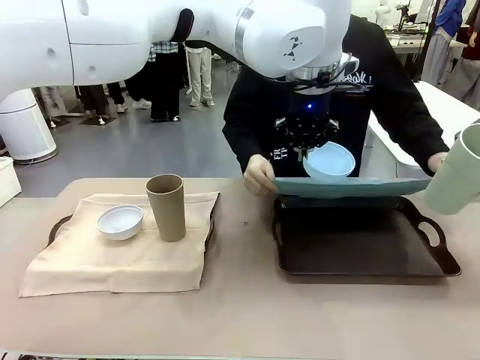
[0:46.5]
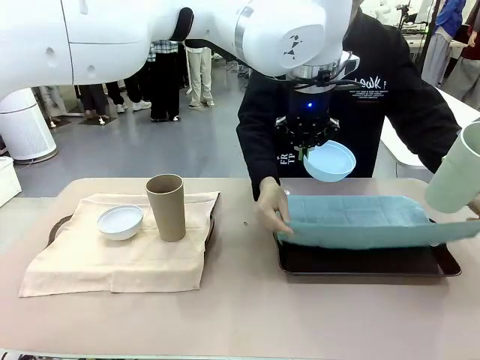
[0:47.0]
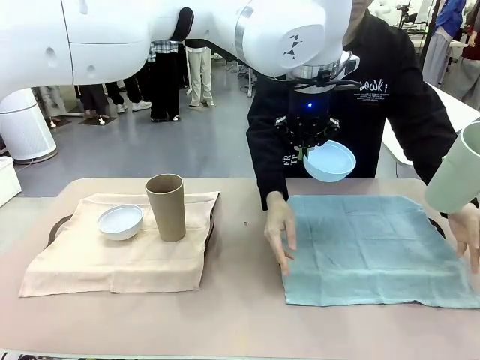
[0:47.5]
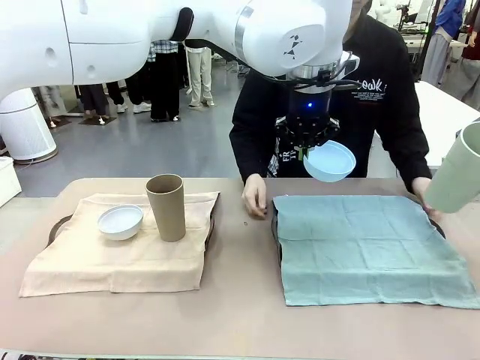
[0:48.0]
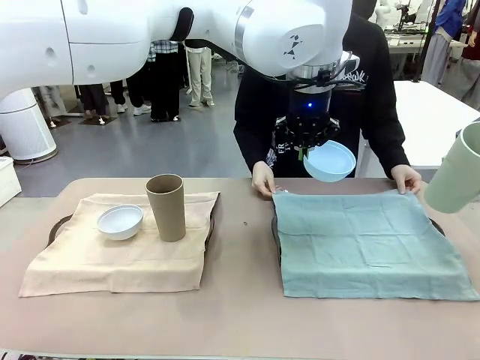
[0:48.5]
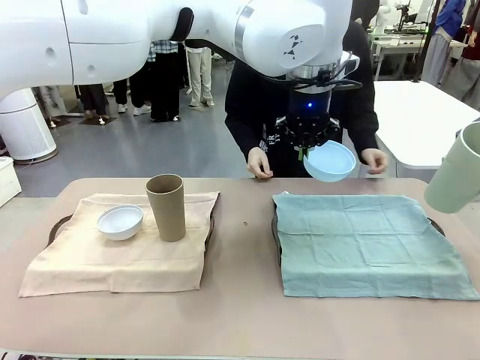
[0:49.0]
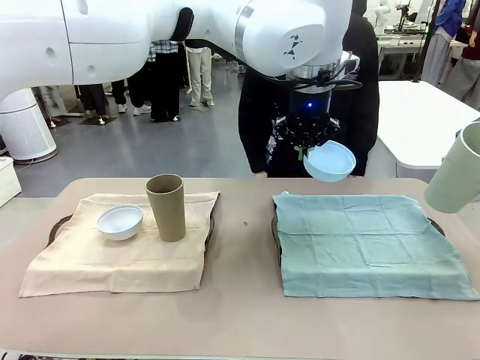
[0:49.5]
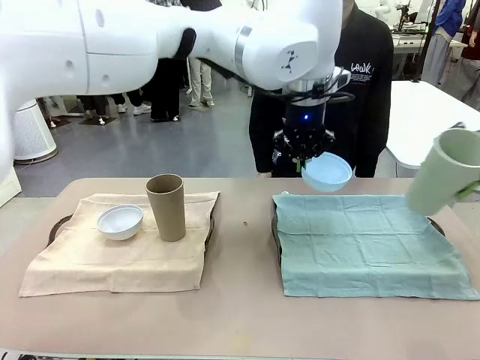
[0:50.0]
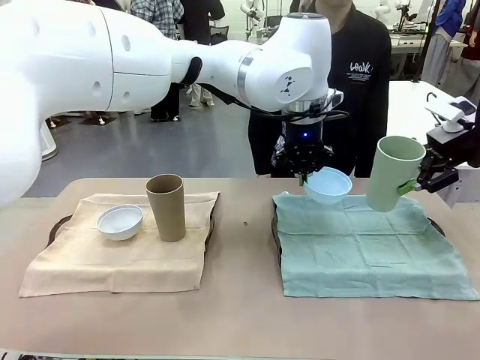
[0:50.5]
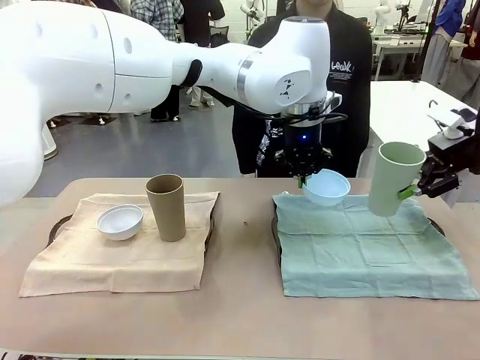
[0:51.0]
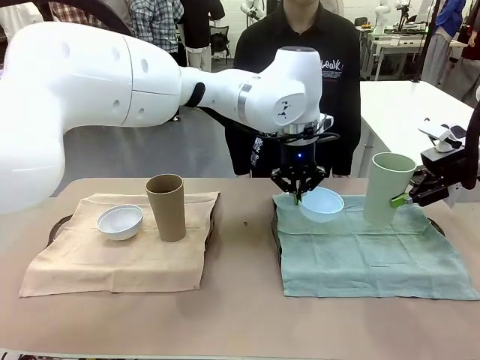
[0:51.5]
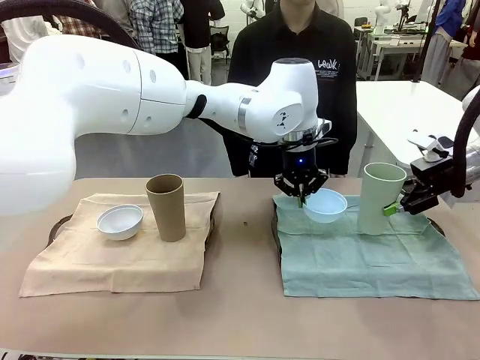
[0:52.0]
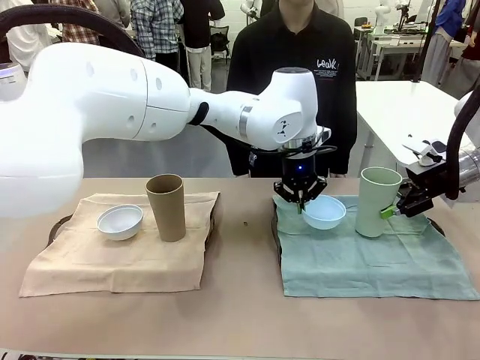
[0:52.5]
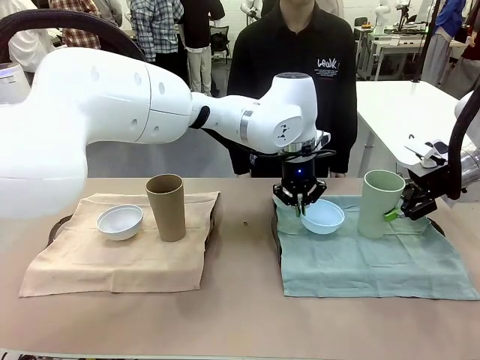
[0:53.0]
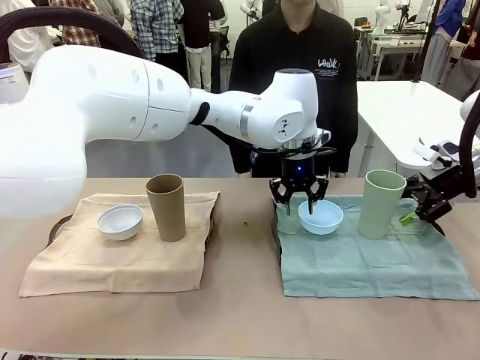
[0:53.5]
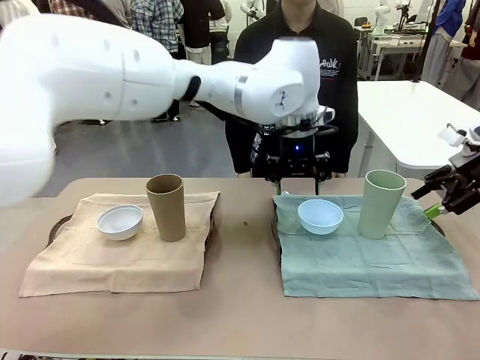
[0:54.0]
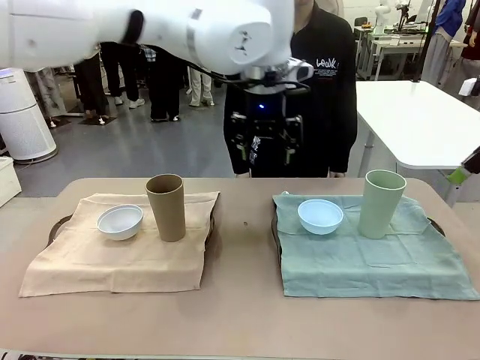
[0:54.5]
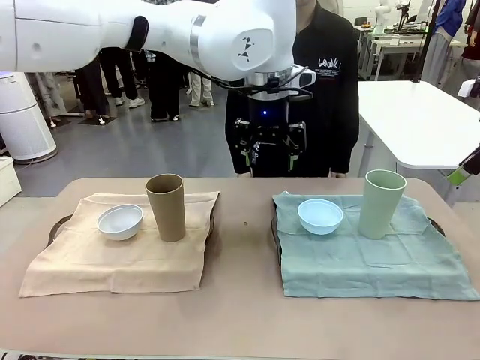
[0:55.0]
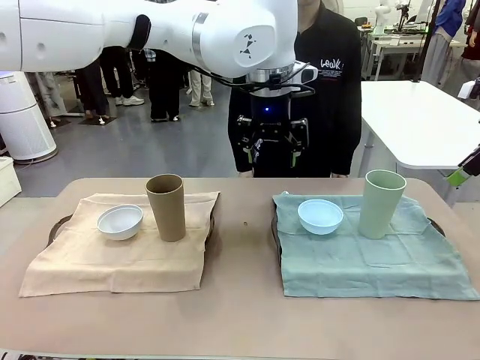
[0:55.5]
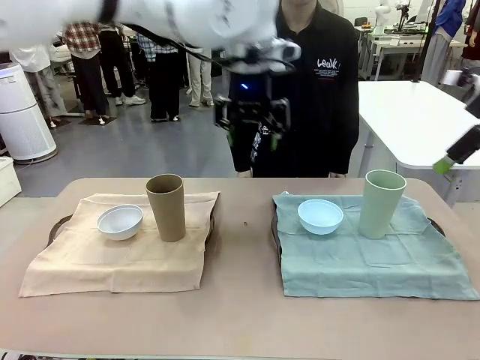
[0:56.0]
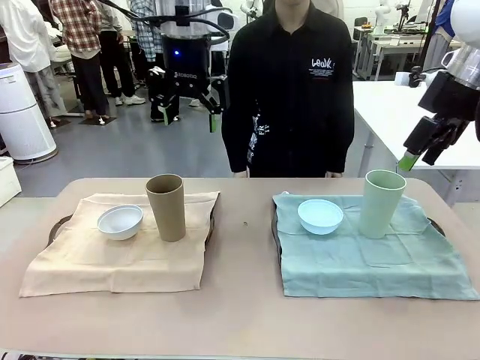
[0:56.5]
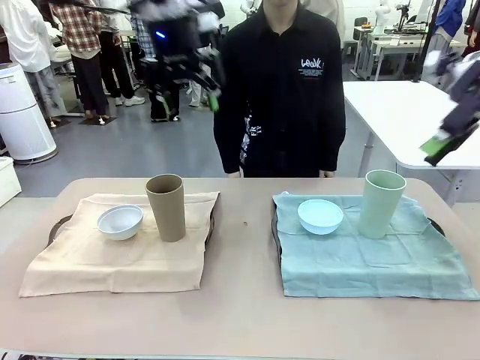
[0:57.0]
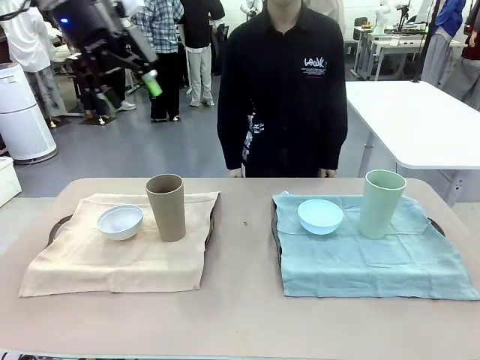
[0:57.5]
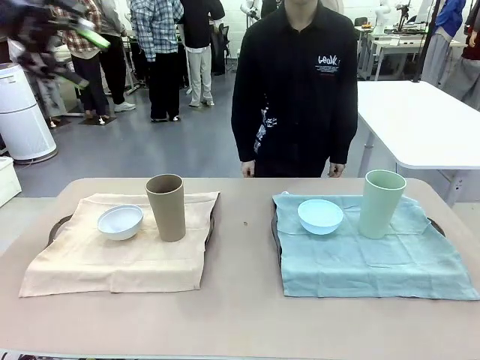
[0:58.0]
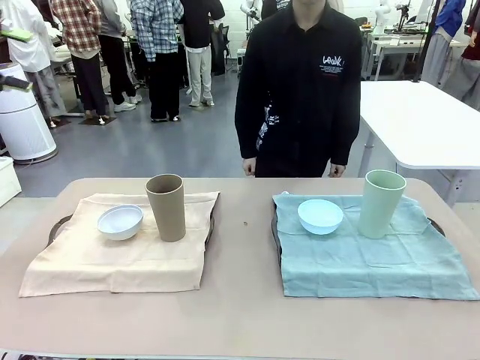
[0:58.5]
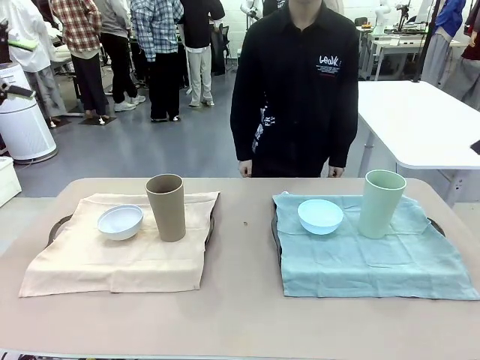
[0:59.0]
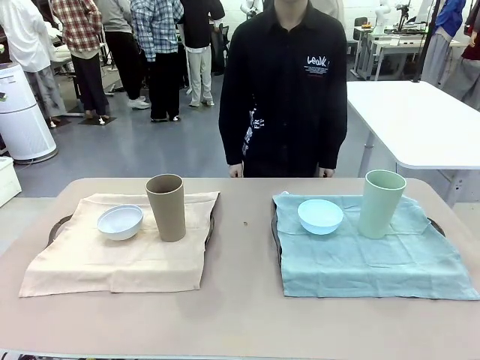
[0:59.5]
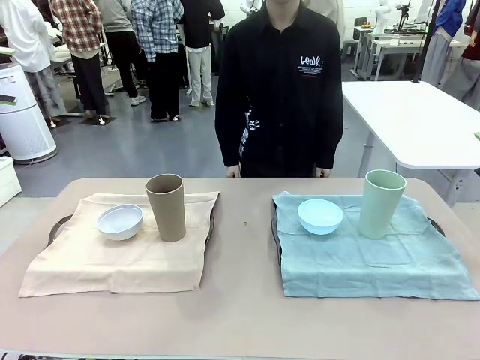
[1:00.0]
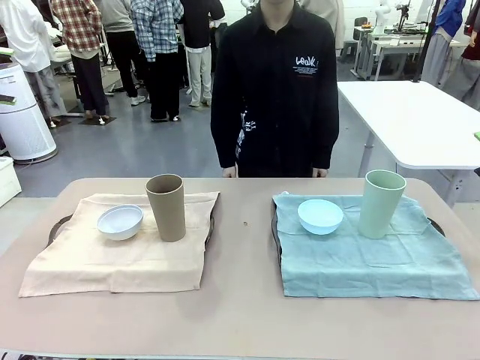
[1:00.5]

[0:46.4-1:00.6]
Robot: Place the Picnic Bowl and Reusable plastic cup back onto the Handle tray in front of the human's position.
Person: When the robot lifts the bowl and the cup, the human unfolds the napkin and lays the napkin flat on the tray.

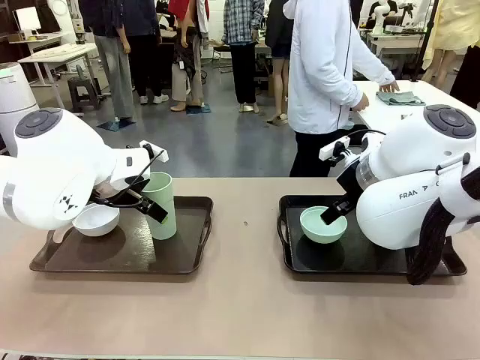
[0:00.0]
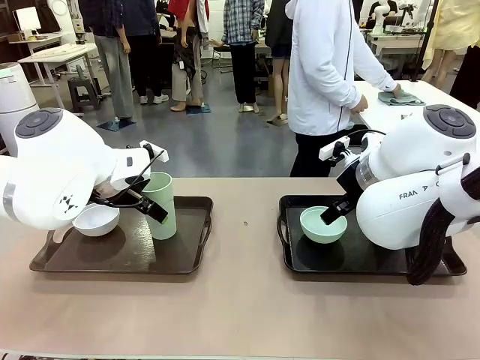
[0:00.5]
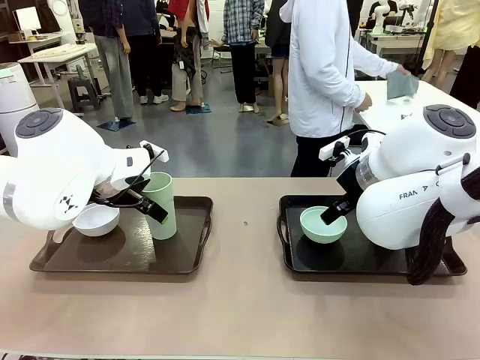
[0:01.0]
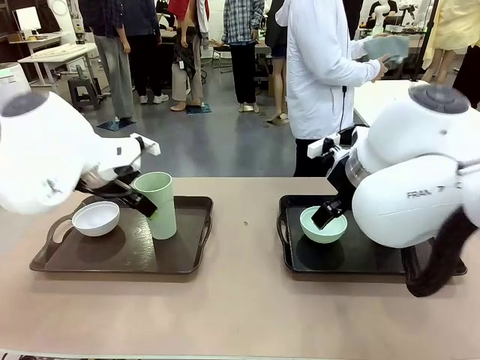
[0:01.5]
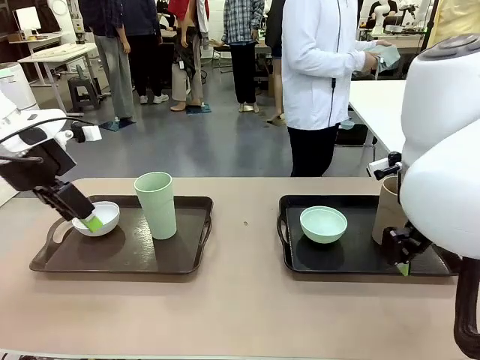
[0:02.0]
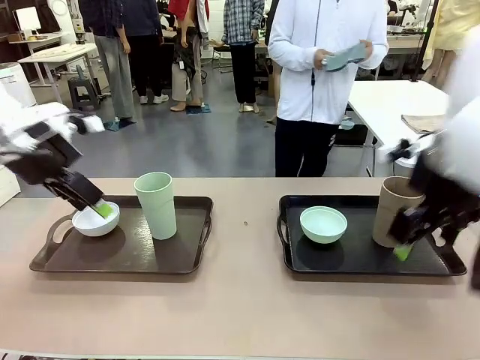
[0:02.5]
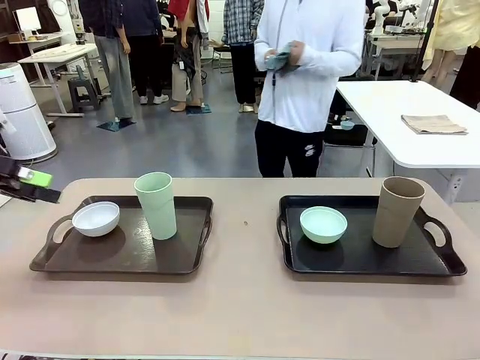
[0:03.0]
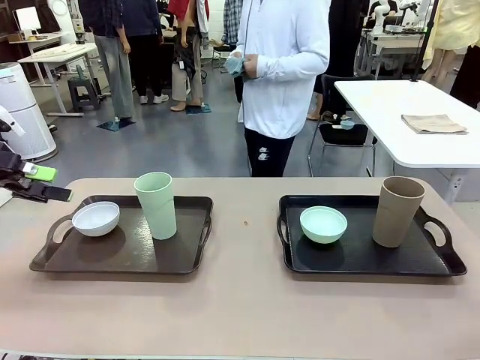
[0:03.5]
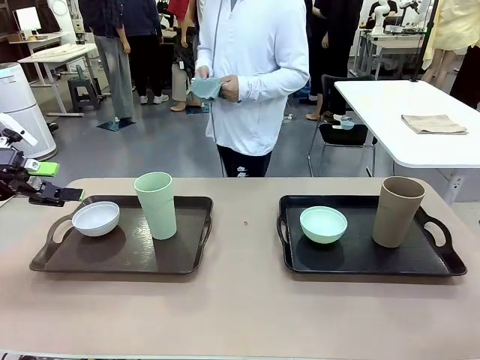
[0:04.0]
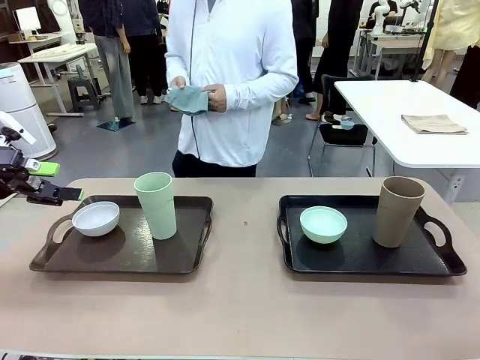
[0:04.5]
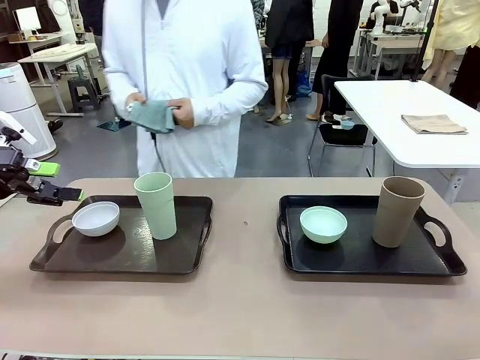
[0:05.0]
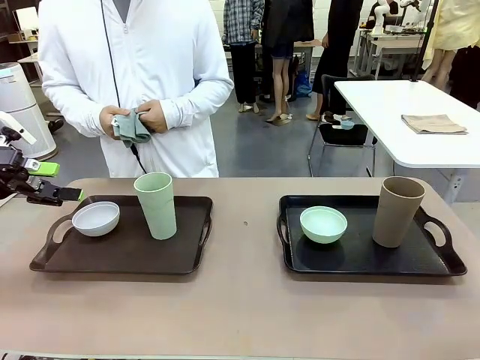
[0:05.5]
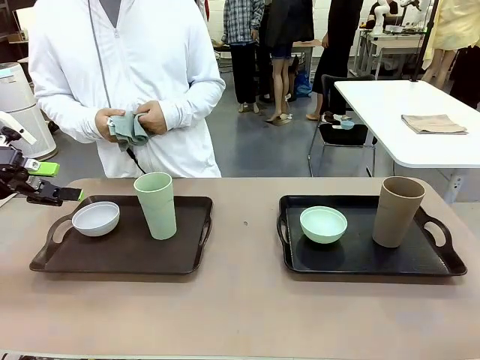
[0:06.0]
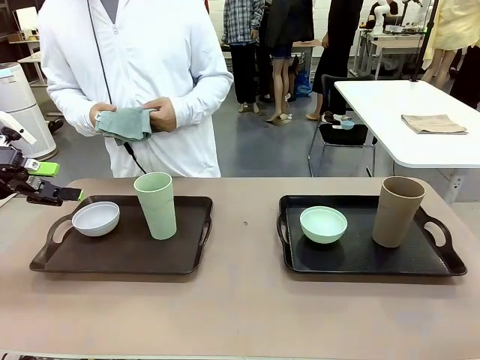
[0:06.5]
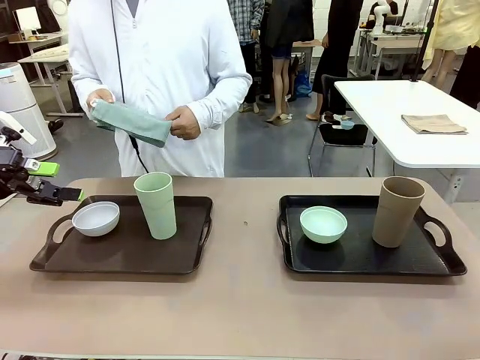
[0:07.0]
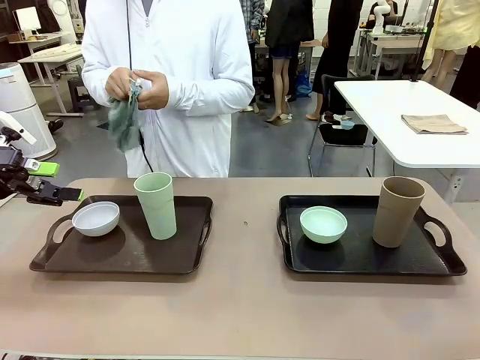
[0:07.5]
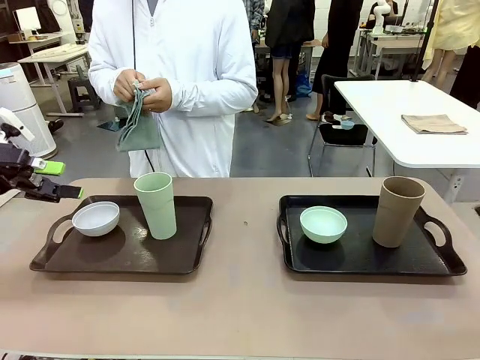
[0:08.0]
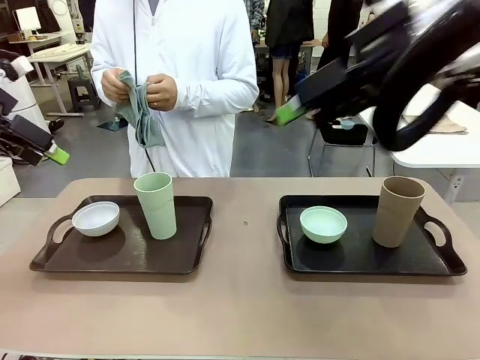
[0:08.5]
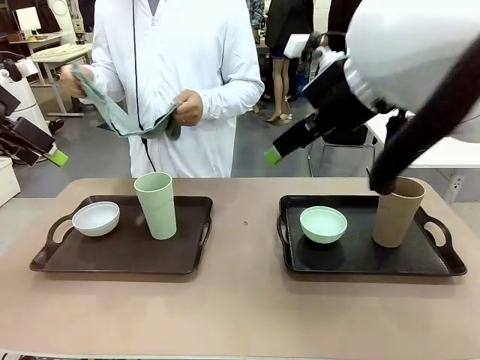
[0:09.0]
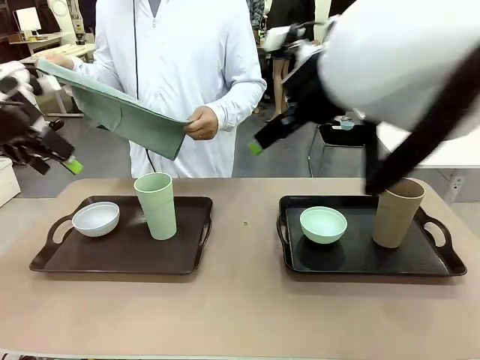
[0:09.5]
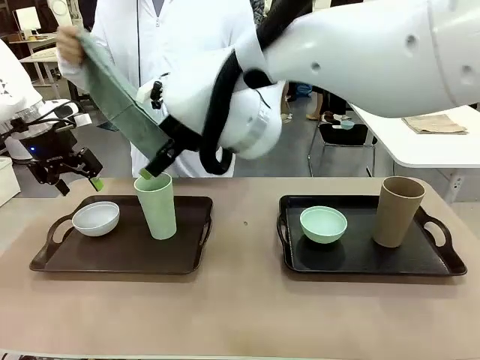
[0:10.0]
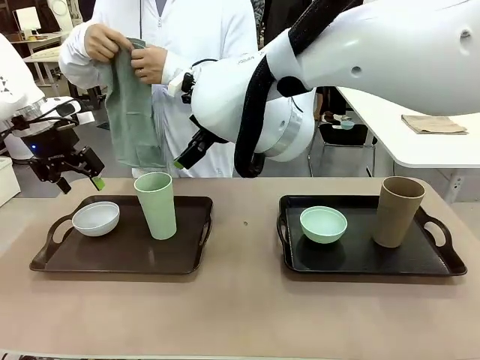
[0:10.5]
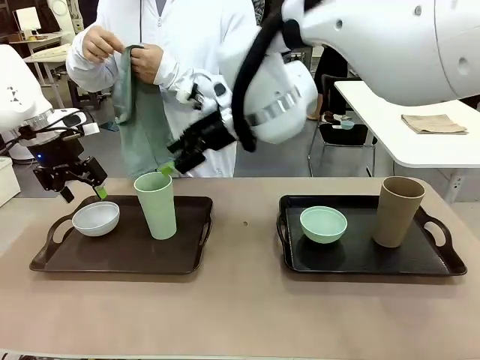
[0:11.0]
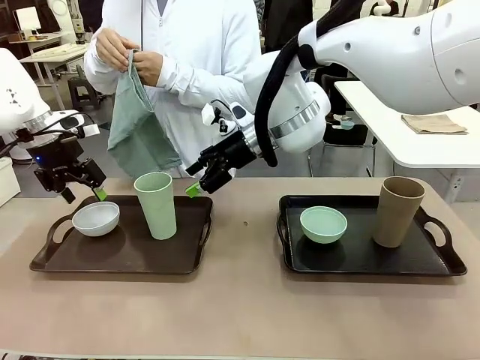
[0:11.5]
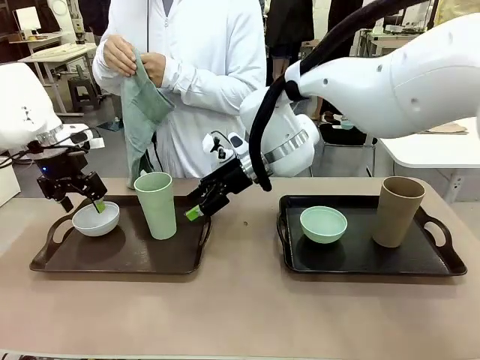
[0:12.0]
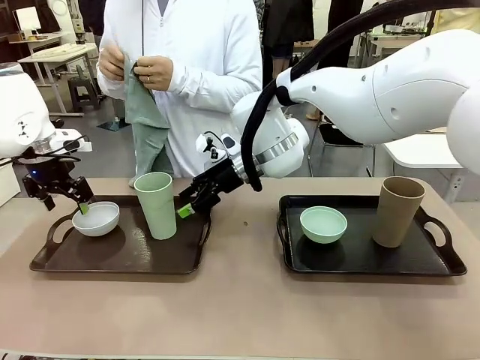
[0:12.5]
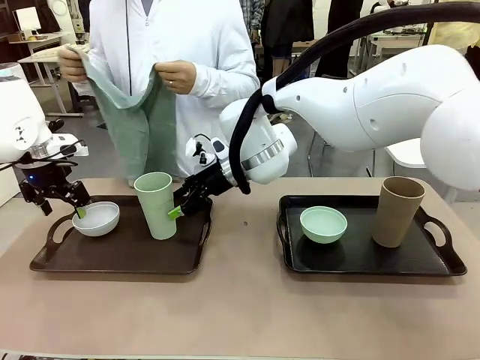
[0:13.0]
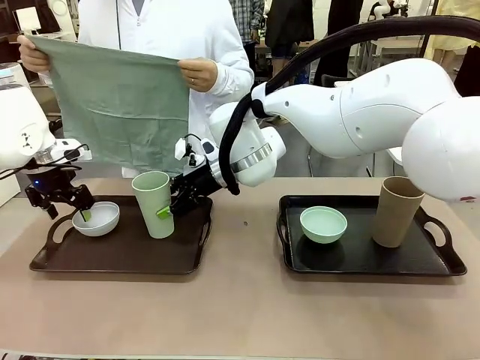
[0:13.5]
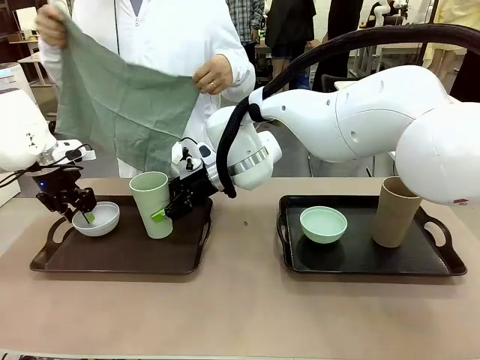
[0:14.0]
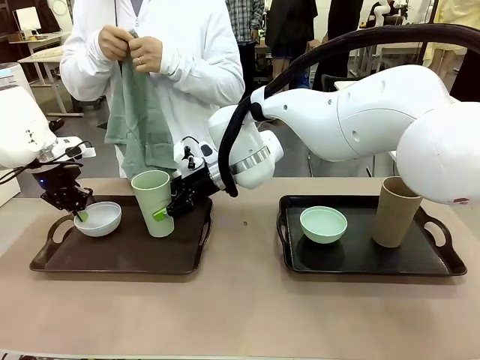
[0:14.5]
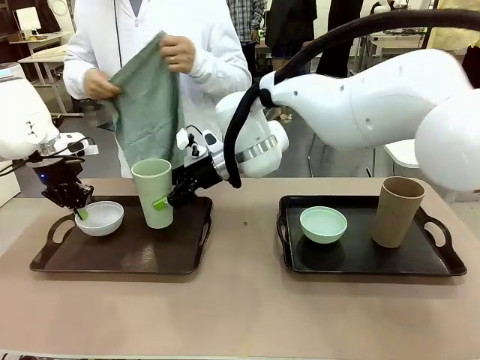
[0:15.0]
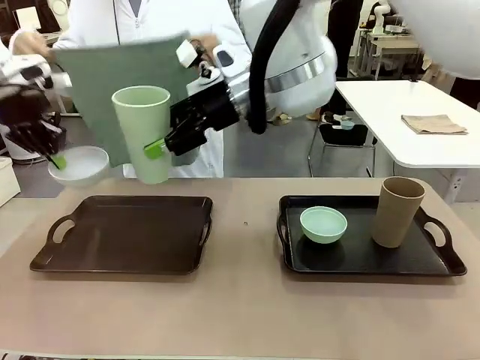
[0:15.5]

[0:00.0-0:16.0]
Robot: Pick up the Picnic Bowl and Reusable plastic cup from the Handle tray in front of the human's position and hold them in the air.
Person: The human picks up the top napkin from the stack on the human table and walks to the robot table to stand in front of one of the two trays. When the robot lifts the bowl and the cup, the human unfolds the napkin and lays the napkin flat on the tray.
